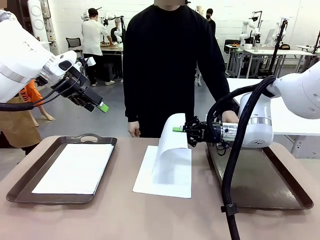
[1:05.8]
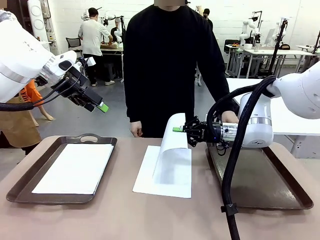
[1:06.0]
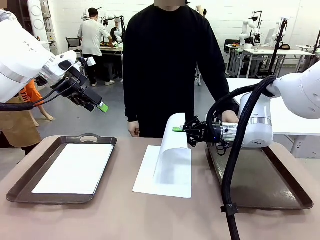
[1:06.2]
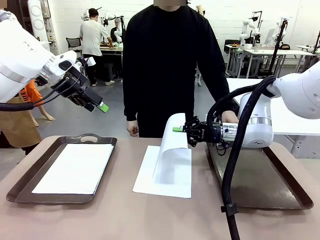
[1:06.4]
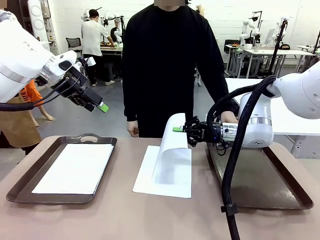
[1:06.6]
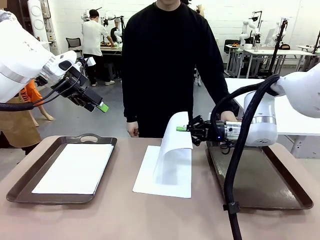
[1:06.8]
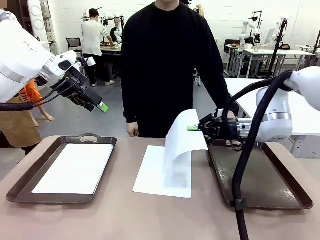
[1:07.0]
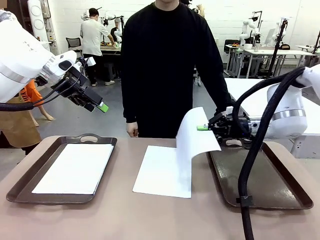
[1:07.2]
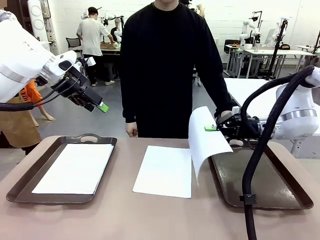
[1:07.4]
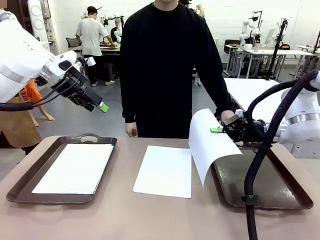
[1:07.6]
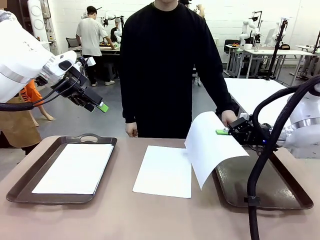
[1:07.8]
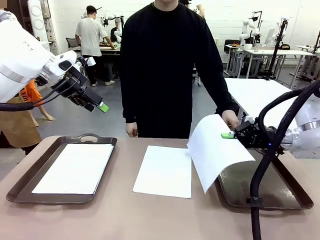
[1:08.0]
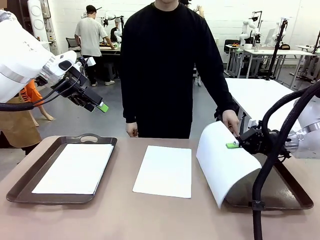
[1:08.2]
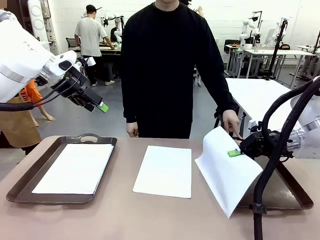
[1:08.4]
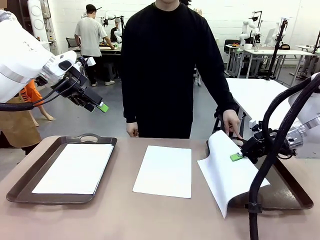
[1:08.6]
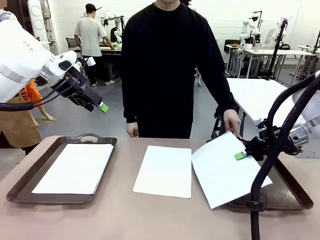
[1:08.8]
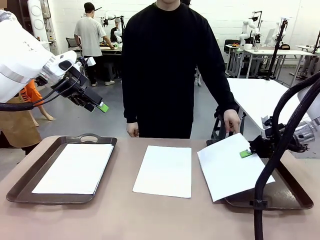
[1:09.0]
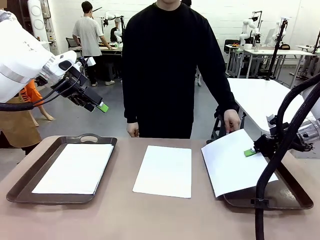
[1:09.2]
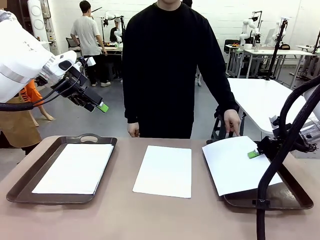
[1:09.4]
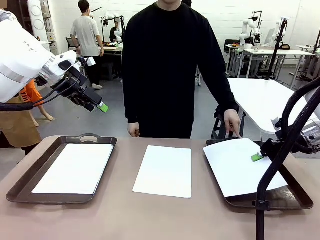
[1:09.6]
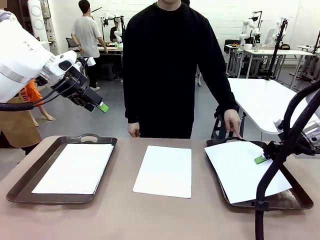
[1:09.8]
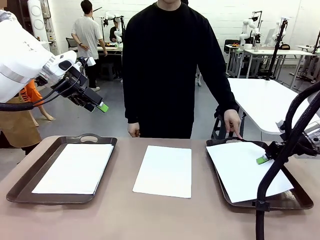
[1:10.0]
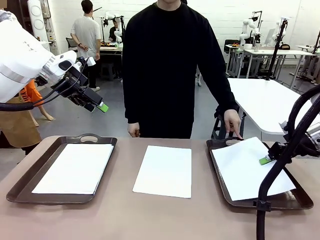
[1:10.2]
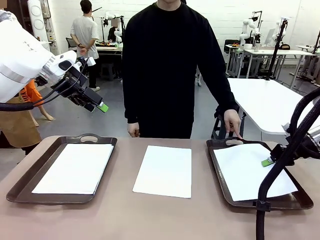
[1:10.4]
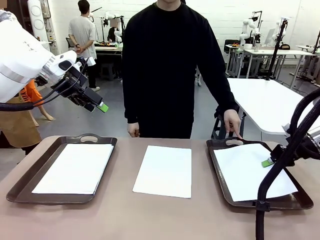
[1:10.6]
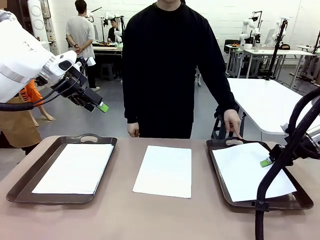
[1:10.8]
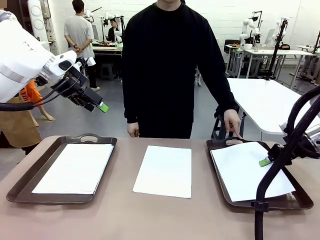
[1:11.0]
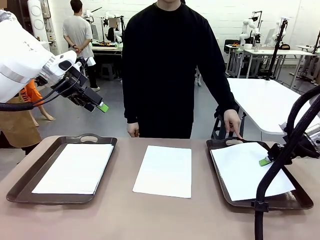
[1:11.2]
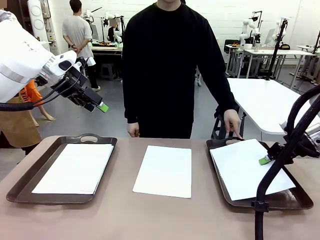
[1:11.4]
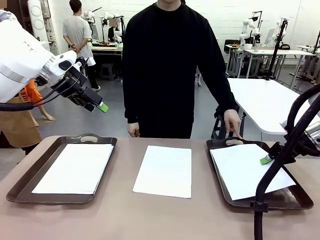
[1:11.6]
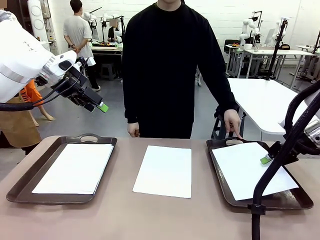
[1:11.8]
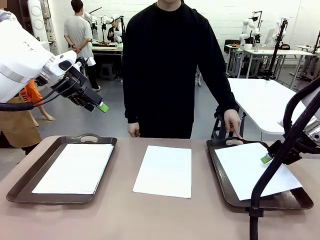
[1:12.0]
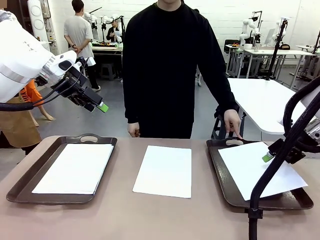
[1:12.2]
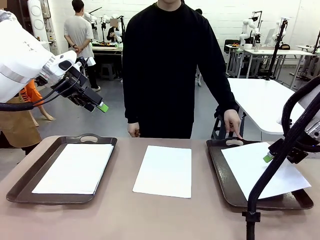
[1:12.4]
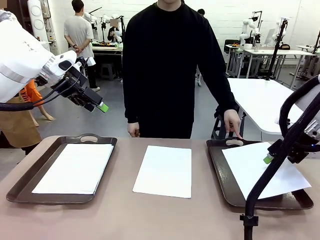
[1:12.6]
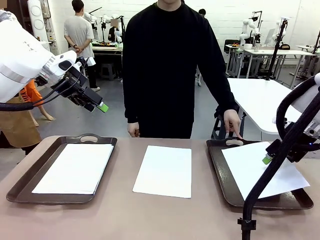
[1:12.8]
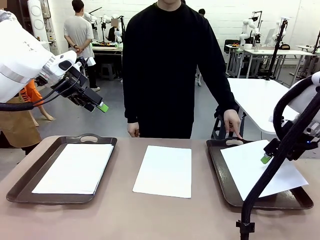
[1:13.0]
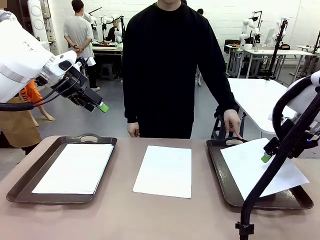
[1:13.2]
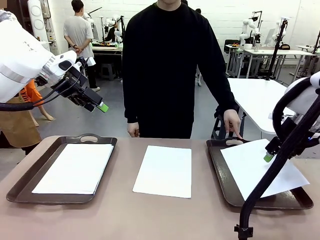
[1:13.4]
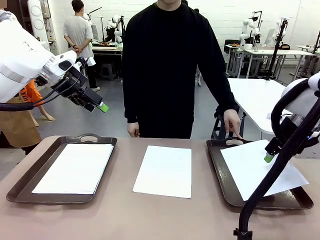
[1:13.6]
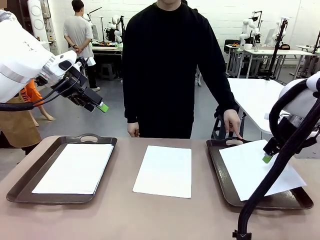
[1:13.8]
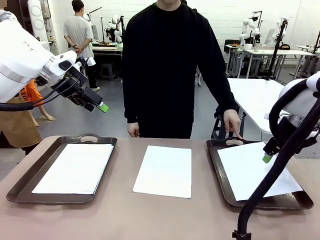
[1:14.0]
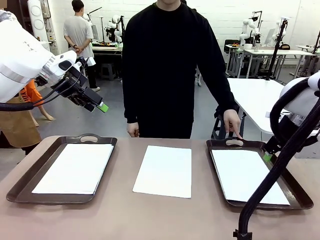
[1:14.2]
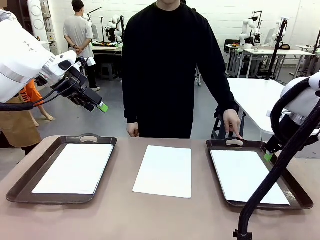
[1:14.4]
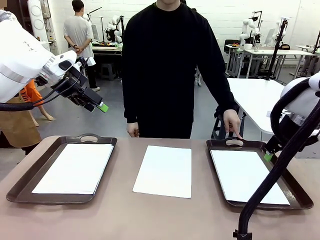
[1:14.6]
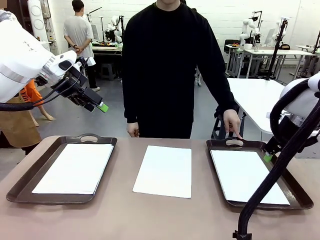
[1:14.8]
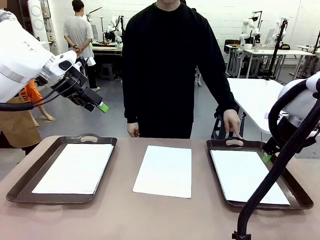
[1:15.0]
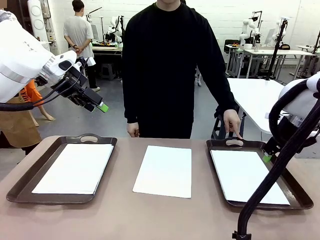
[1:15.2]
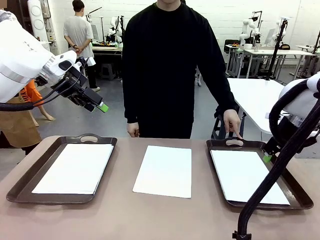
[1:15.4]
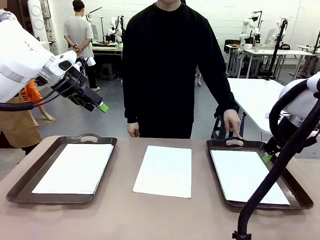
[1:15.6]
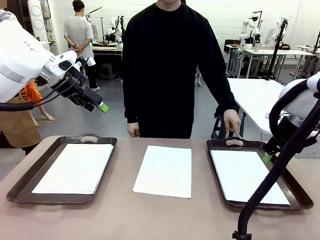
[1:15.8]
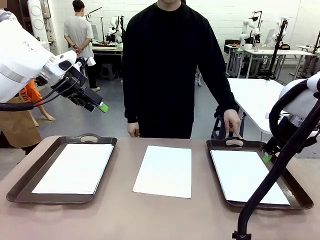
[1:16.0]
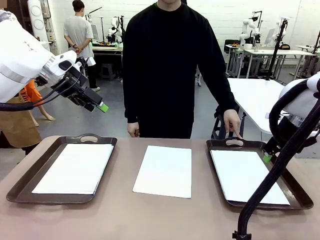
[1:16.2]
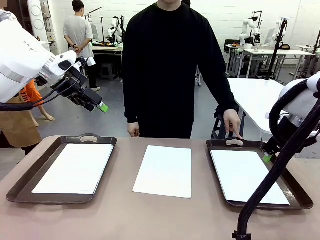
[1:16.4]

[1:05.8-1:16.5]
Task: Sort the A4 documents.
Robot: Place the A4 Paper in the designated Handle tray.

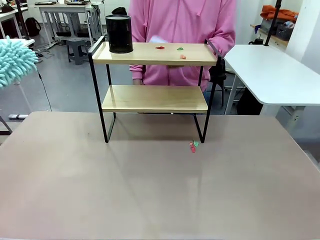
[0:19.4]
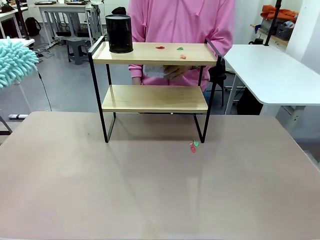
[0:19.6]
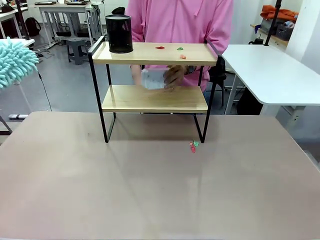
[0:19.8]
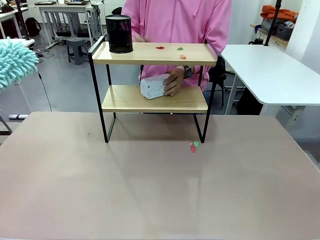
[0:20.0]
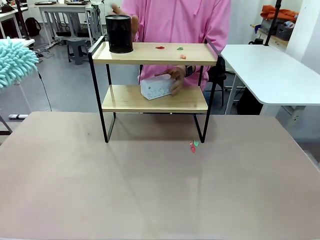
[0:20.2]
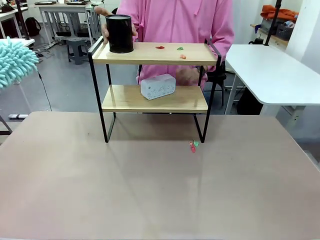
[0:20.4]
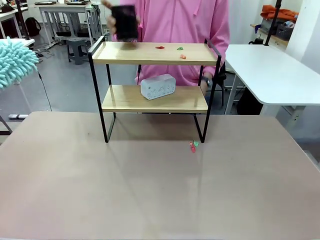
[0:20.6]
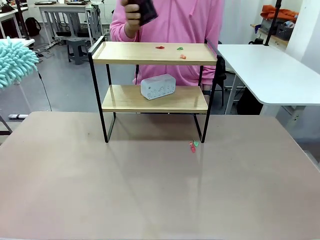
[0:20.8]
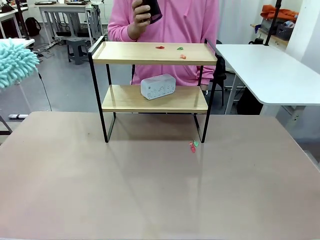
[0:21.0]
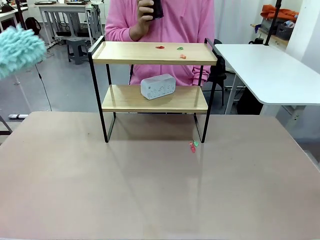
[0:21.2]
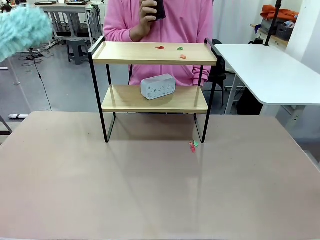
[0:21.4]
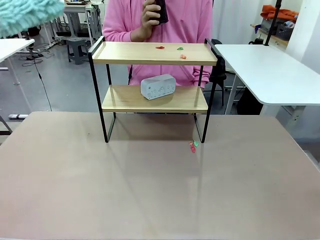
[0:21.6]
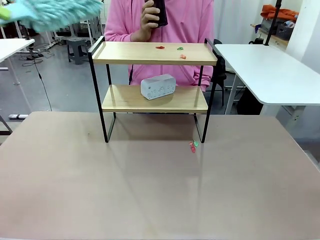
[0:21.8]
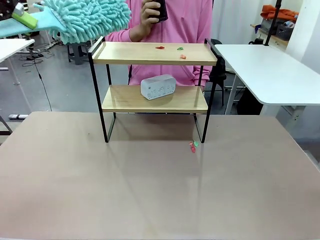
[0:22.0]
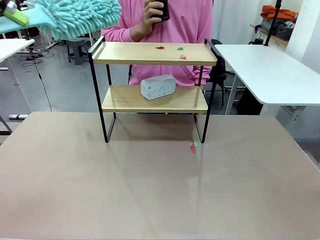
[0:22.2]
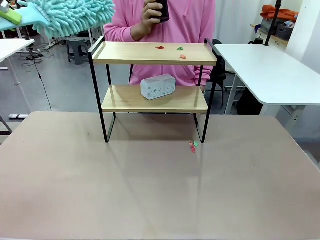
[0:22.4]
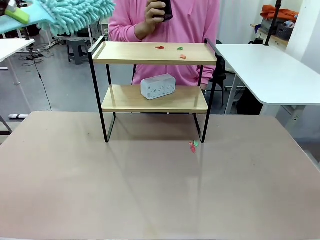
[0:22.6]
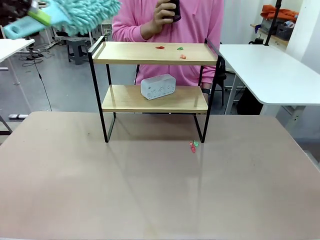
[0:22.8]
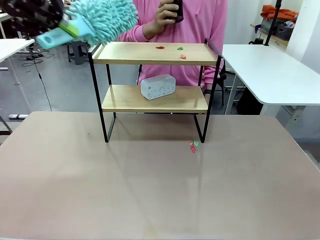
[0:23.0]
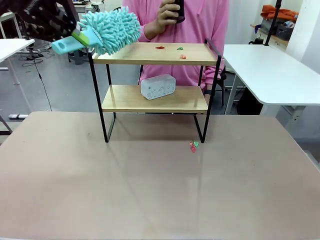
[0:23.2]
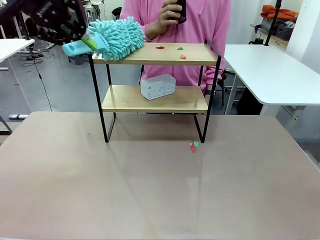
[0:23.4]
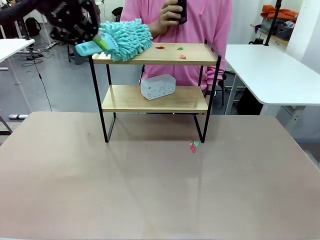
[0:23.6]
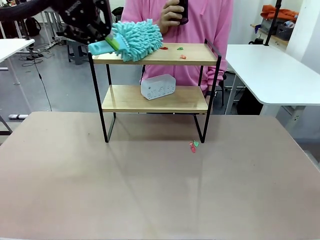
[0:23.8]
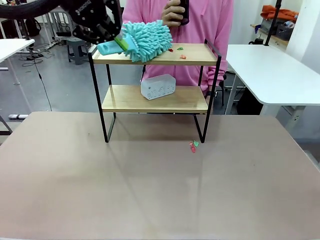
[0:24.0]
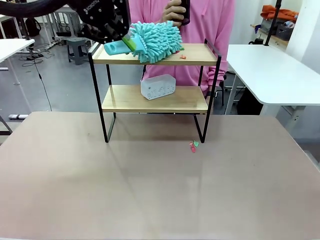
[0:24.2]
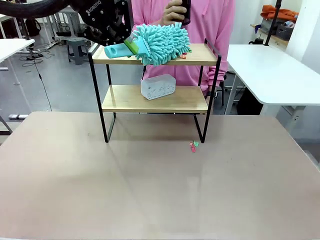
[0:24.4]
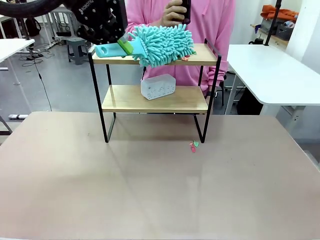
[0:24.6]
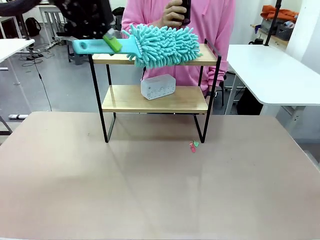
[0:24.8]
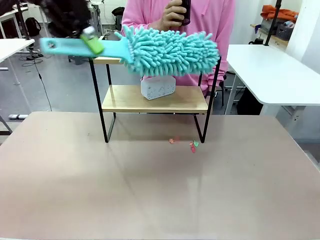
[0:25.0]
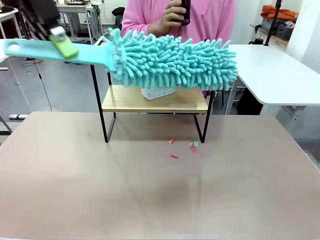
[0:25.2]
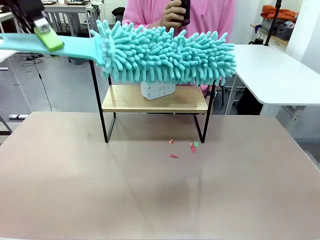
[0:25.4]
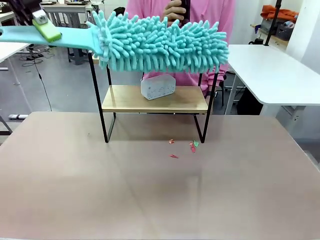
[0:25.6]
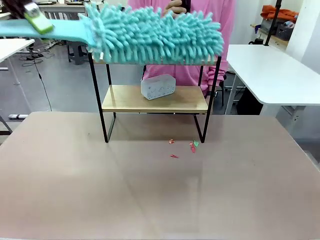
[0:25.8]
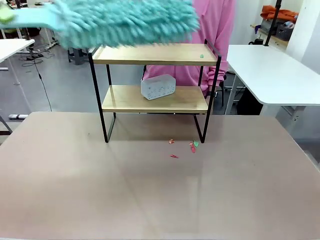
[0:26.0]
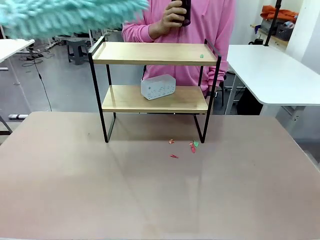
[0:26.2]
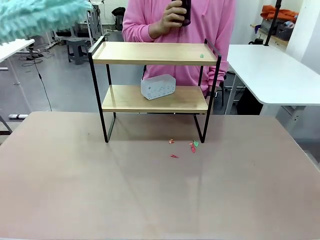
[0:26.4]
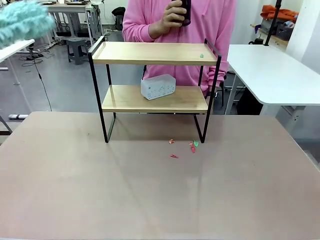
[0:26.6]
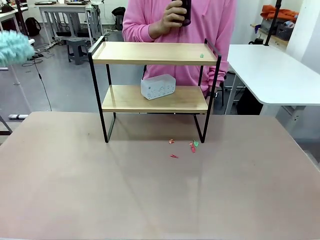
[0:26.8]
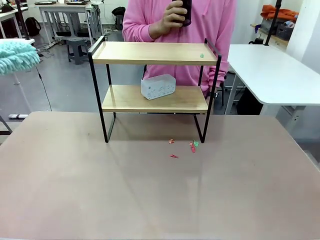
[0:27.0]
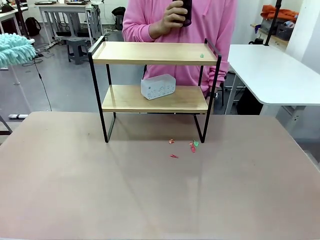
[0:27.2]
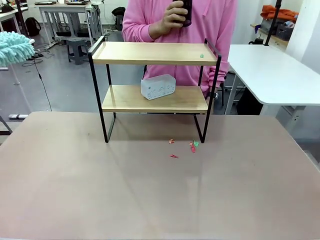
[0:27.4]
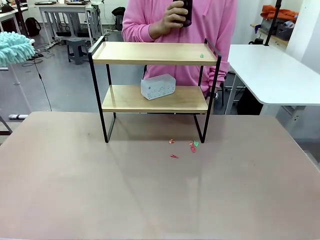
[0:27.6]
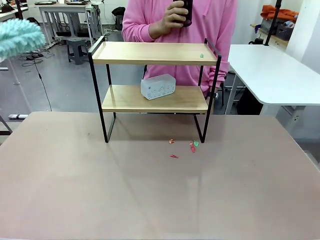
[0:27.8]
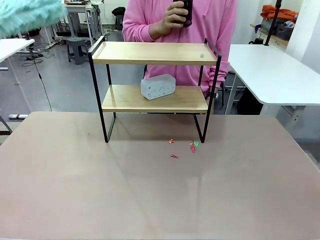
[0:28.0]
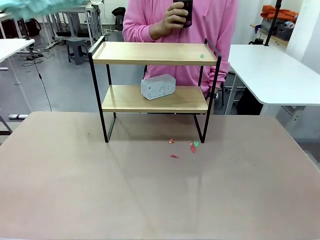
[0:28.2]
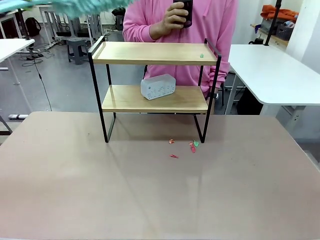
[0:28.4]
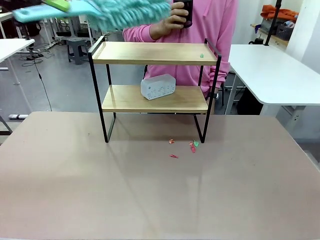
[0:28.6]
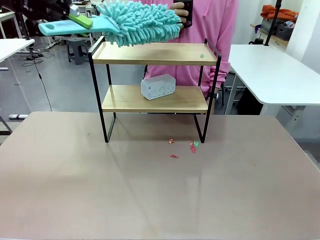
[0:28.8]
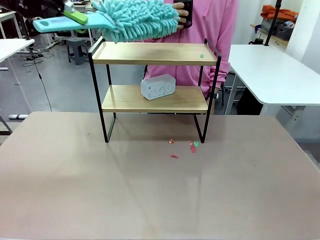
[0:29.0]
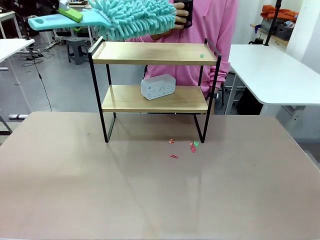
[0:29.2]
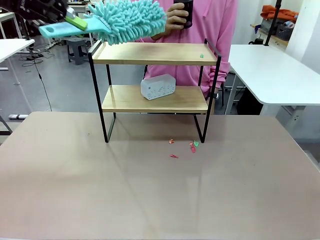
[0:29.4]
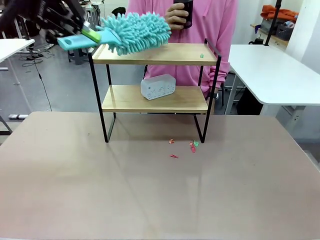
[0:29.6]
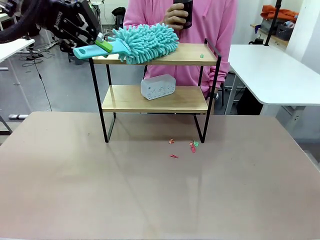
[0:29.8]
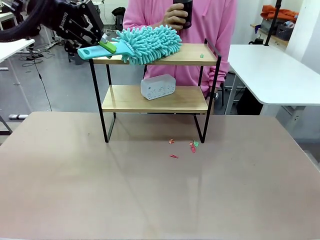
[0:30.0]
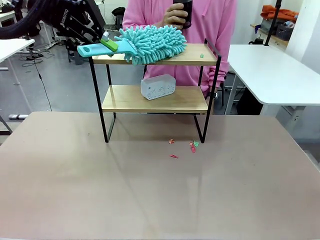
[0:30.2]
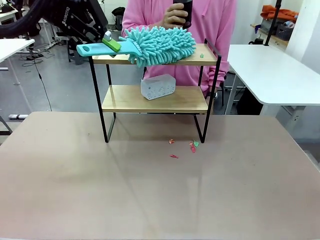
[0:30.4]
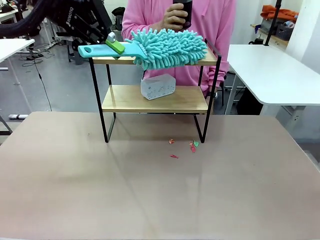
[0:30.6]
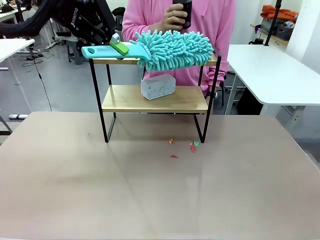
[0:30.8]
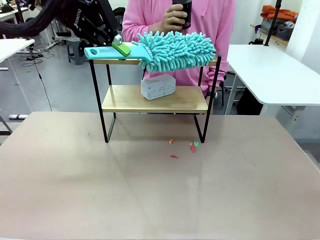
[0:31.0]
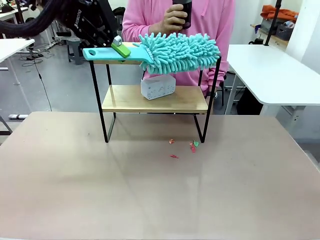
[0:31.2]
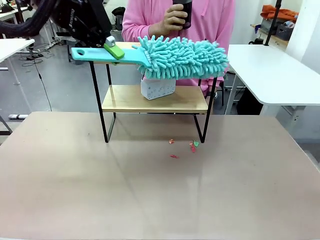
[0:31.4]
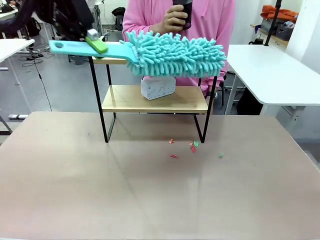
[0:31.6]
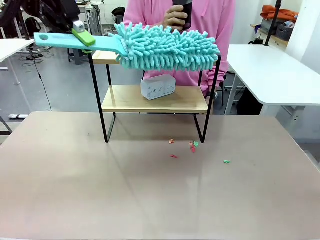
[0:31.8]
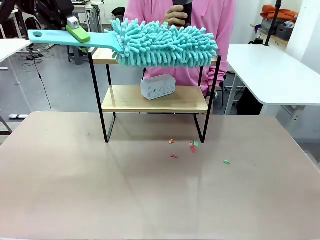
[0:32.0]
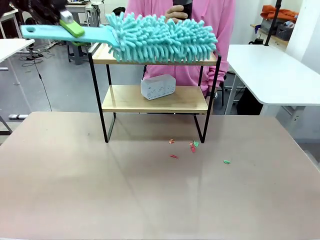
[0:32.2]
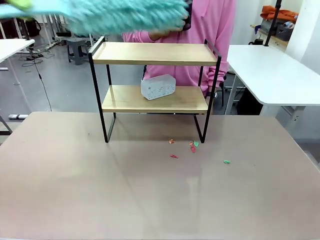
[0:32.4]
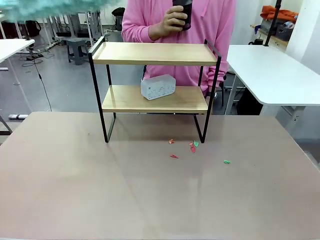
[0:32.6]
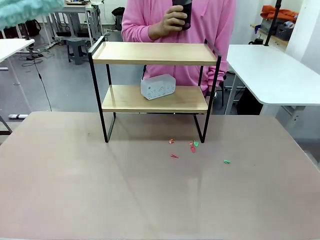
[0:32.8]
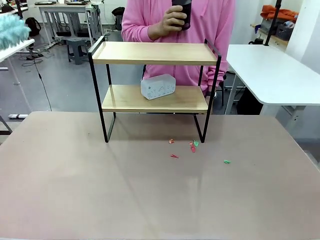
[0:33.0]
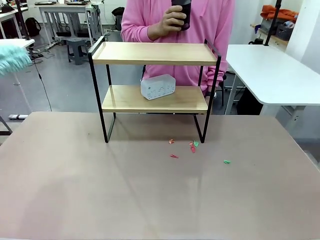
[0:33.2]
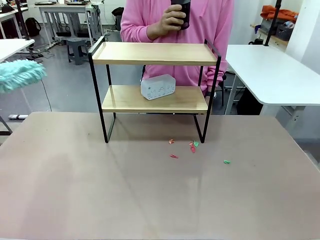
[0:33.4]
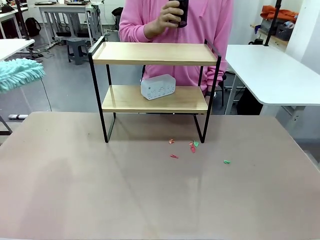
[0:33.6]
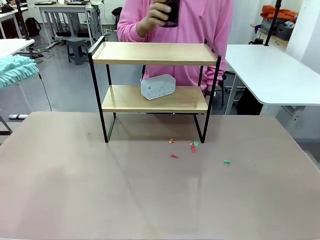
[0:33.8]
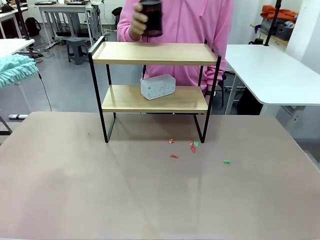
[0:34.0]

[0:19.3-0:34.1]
Task: Clean the shelf.
Robot: Clean the remaining tier of the Shelf with the Duster once objects are removed.
